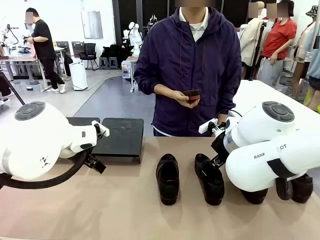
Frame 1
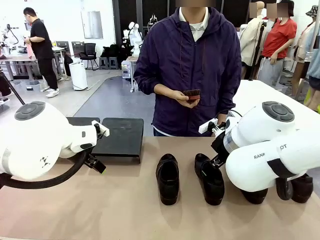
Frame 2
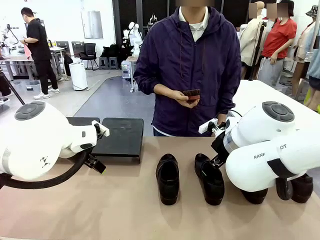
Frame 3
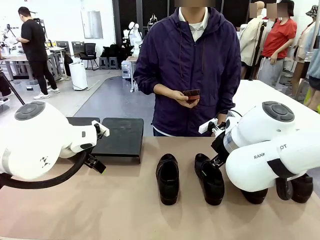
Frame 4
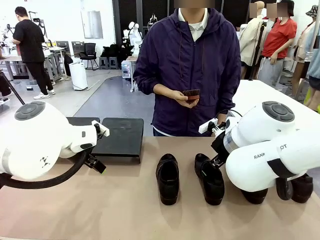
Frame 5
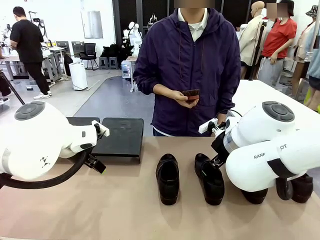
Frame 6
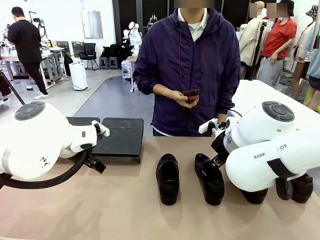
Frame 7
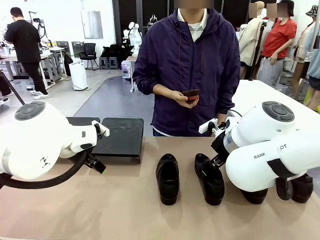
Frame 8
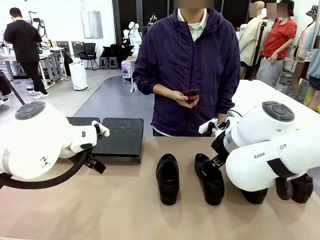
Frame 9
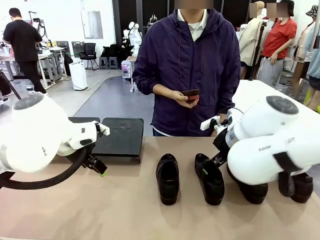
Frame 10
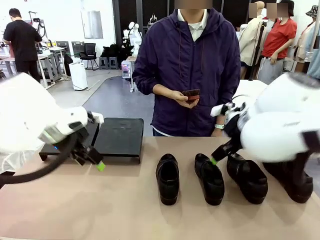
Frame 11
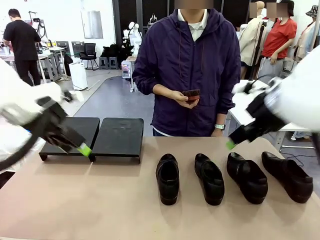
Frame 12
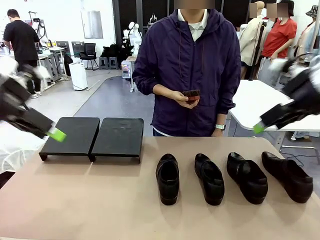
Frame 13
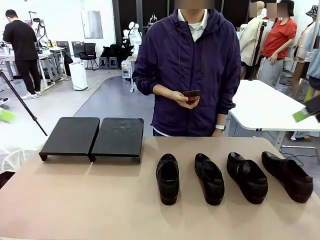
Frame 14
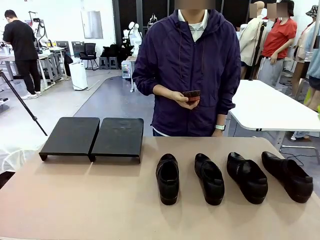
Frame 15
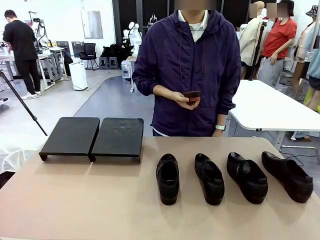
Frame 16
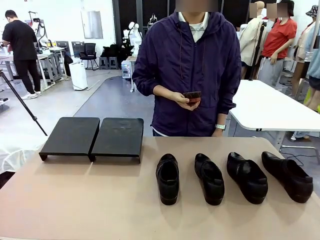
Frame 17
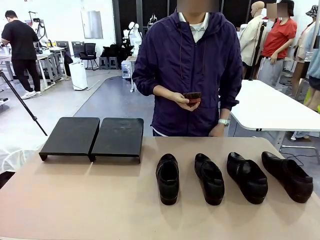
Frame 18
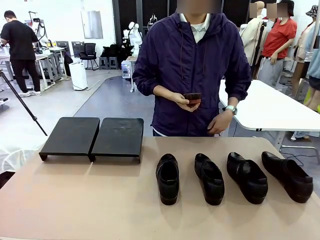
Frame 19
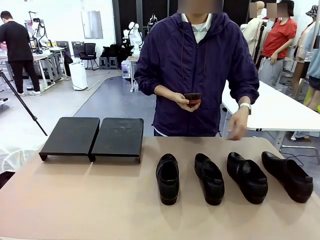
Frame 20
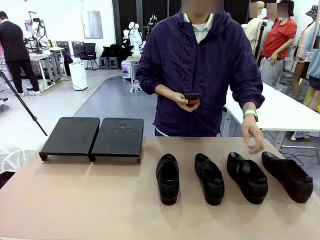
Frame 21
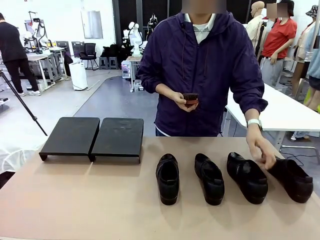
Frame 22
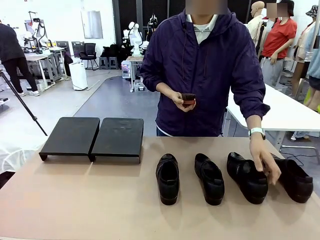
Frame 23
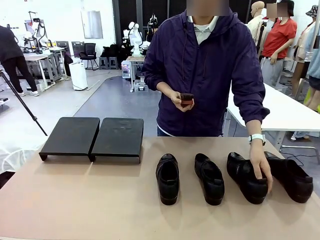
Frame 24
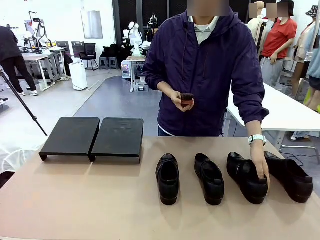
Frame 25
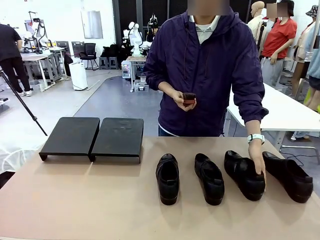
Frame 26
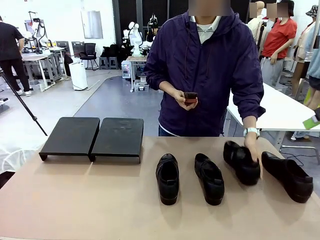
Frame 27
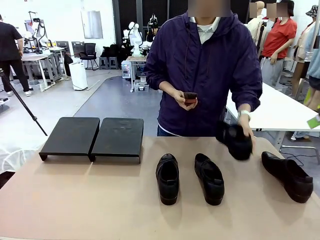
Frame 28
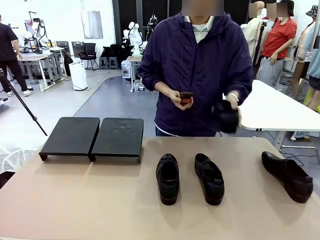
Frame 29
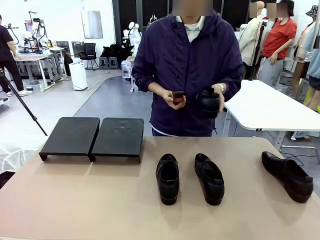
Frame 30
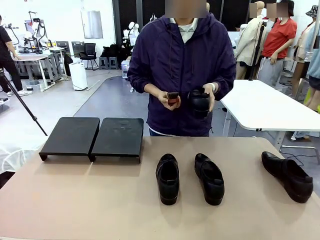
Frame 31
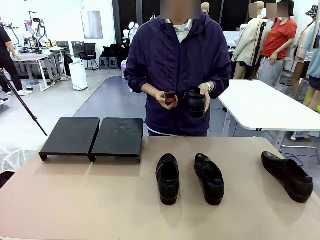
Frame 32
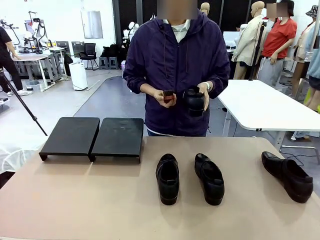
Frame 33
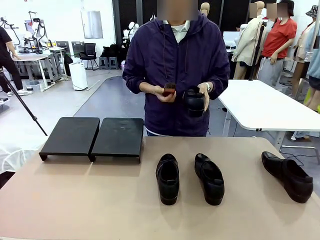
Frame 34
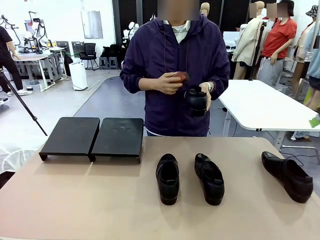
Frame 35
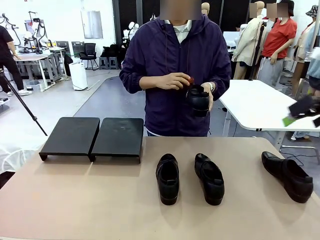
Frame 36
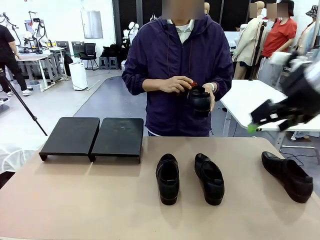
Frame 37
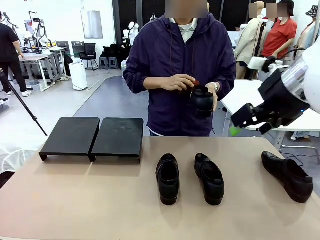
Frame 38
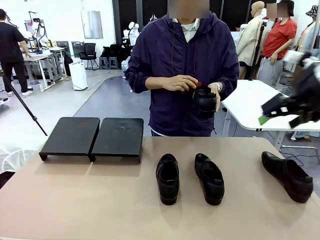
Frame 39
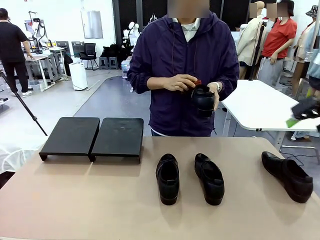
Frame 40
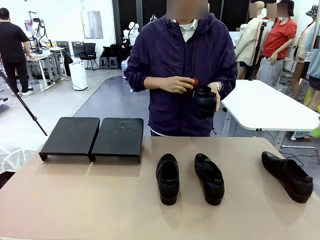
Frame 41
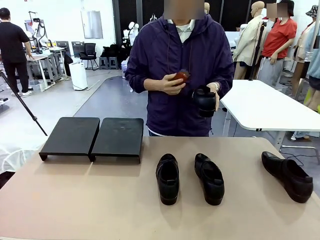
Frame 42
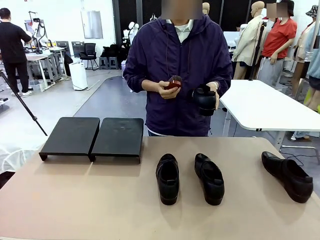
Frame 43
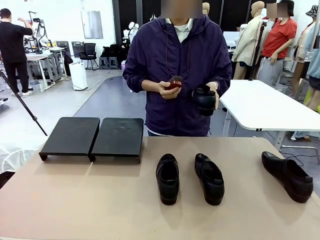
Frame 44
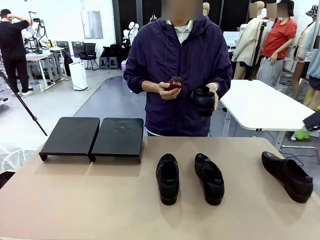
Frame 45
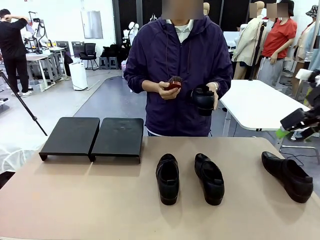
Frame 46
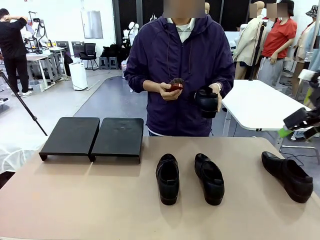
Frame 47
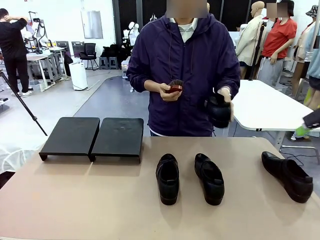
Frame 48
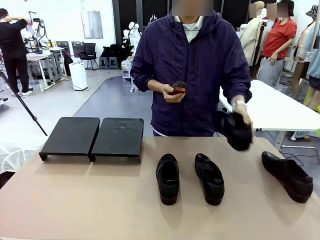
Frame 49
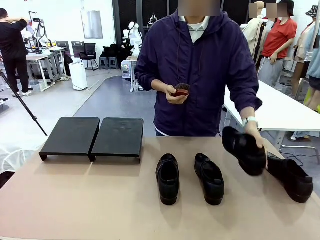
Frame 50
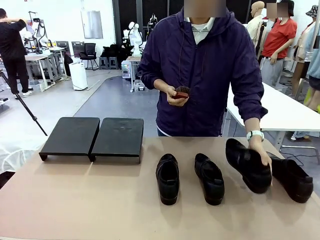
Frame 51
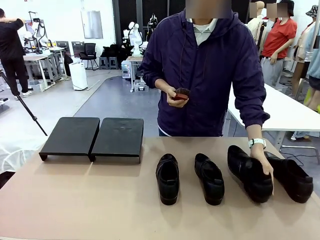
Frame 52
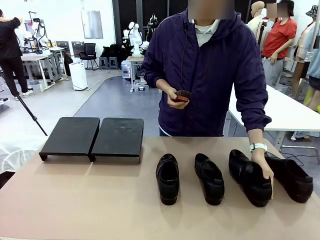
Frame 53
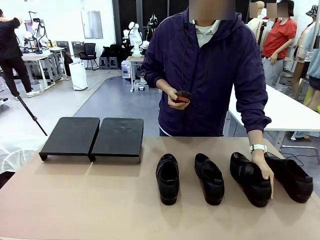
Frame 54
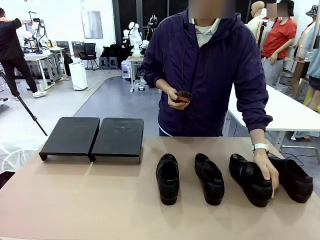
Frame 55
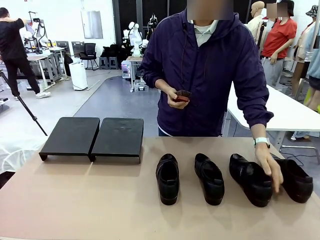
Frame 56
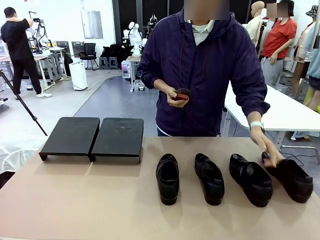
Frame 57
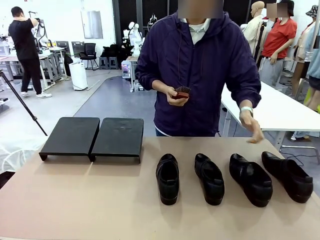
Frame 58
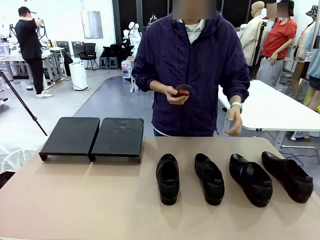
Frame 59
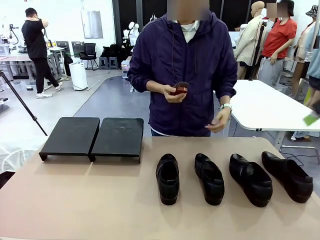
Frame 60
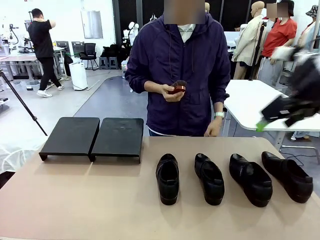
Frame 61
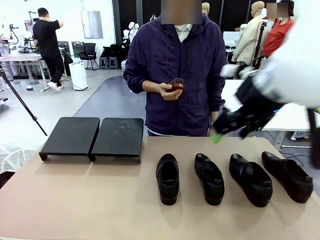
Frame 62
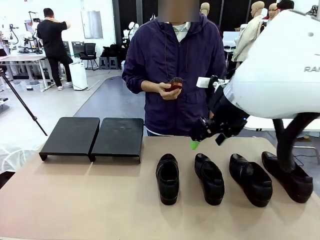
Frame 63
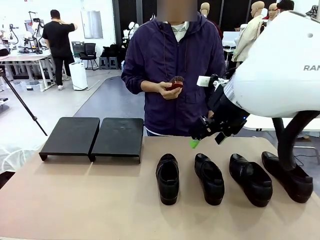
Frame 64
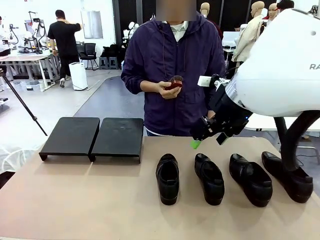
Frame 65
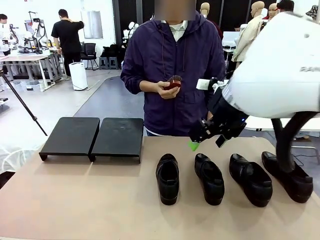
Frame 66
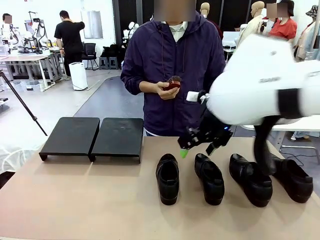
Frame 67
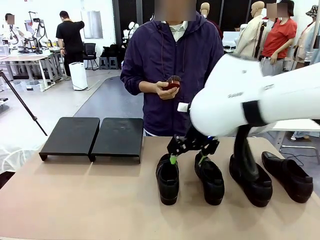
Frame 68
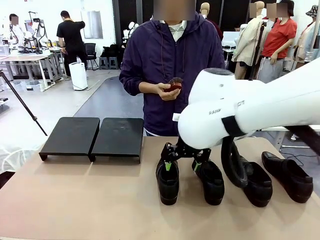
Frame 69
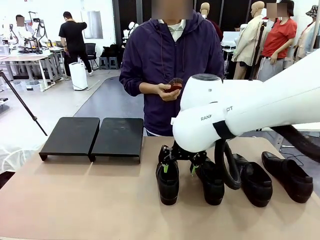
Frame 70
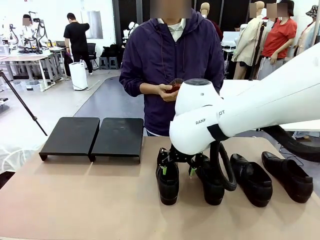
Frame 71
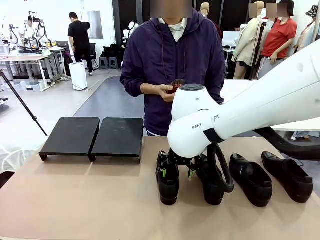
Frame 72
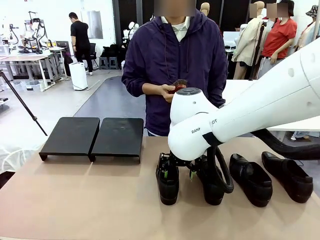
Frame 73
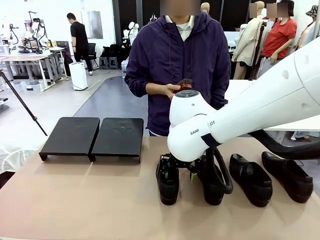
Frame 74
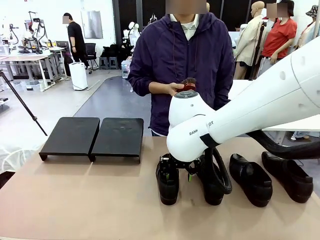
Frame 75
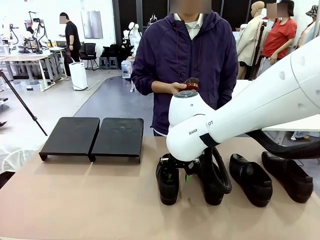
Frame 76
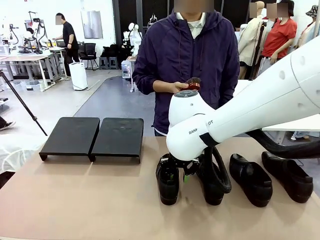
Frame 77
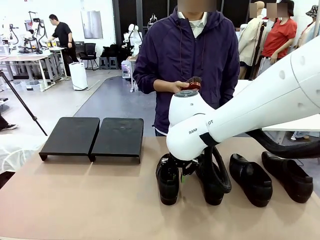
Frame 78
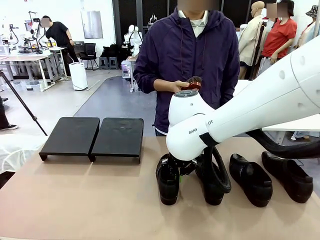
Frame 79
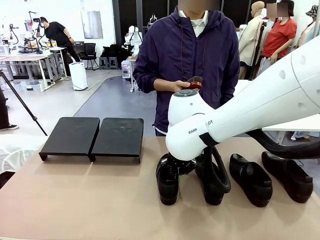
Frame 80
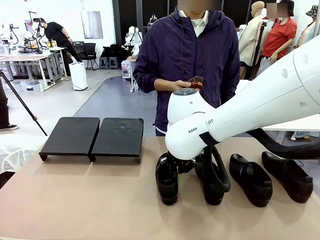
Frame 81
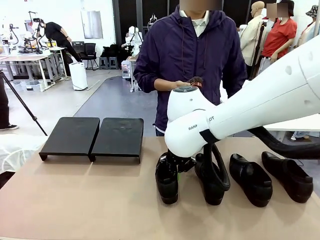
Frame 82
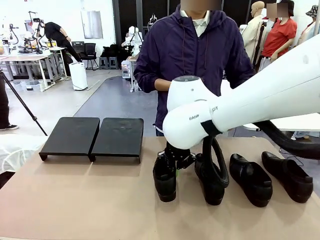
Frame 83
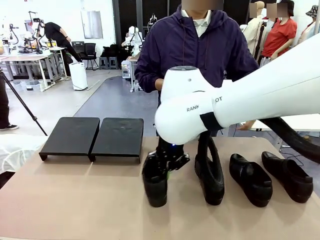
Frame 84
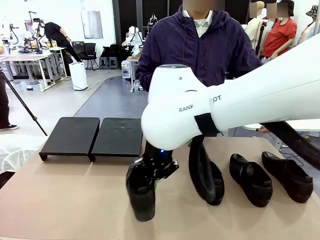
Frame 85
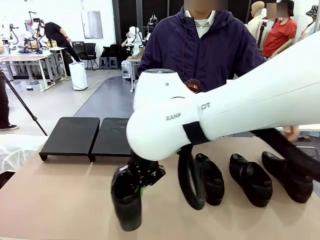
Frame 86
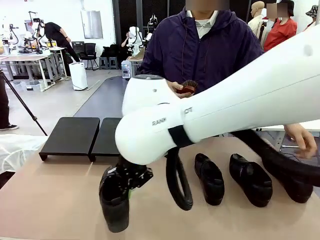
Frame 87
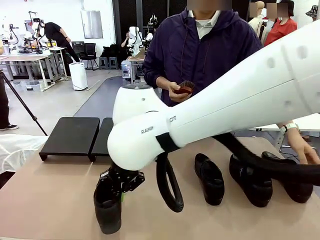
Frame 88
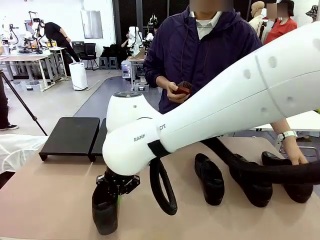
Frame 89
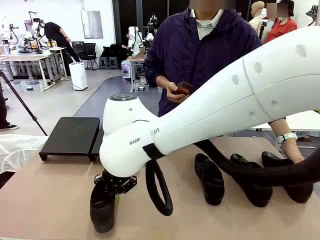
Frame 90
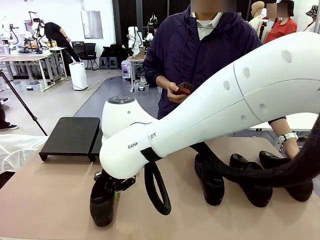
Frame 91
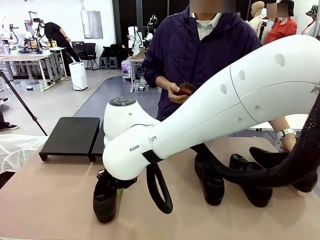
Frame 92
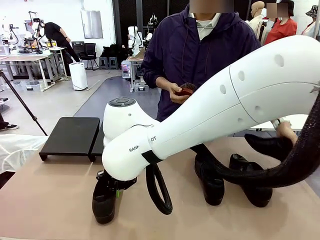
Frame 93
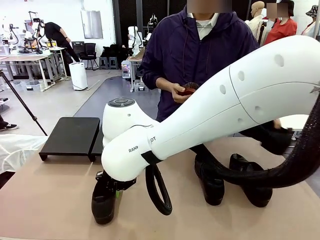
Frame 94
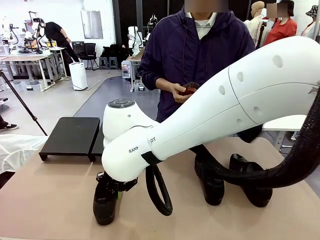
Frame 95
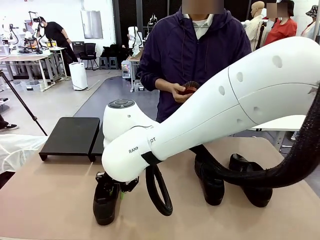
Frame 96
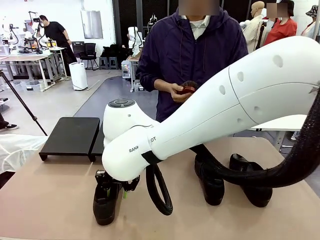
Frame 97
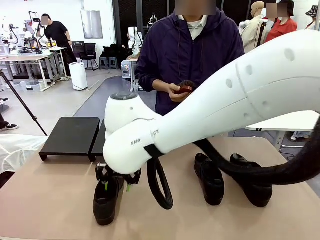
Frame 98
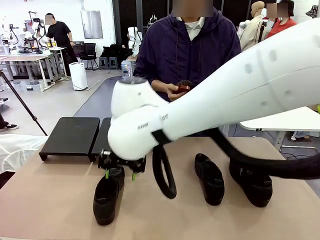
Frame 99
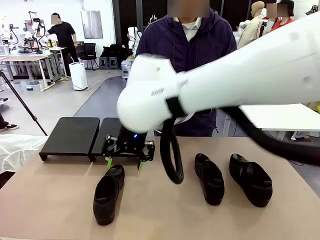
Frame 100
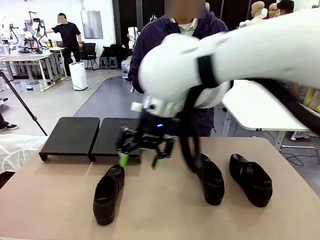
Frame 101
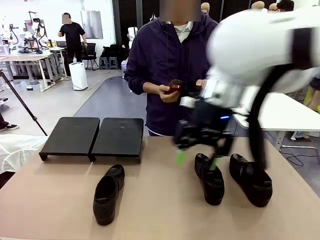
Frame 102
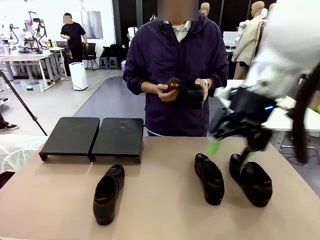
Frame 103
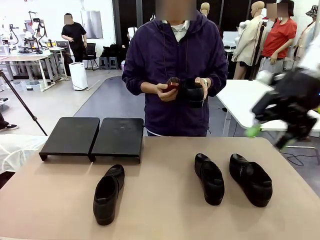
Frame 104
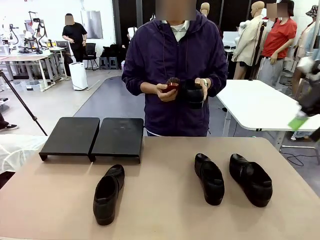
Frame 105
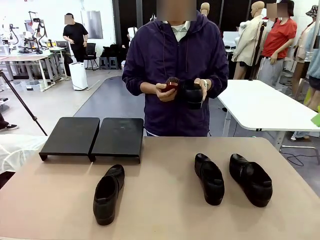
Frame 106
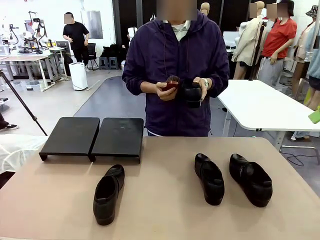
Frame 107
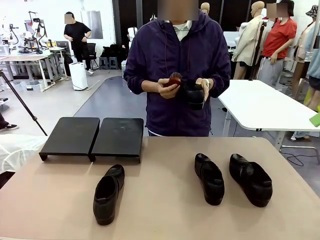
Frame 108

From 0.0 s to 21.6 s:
Task: Organize the shoes by placing them on the stand.
Robot: Pick up one Shoe and place it in the middle of the table.
Person: Pick one Shoe on Robot's table. Clean the Shoe with the Shoe Brush. Place the Shoe on left side of the Robot's table. Pick one Shoe on Robot's table.
